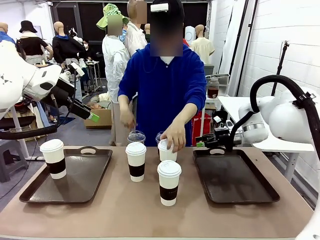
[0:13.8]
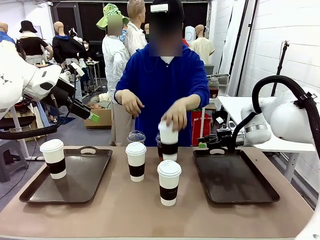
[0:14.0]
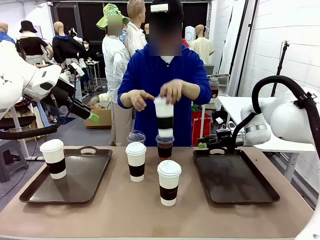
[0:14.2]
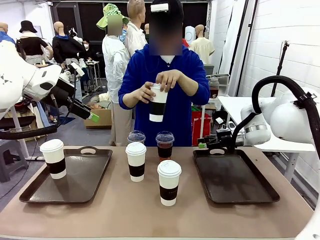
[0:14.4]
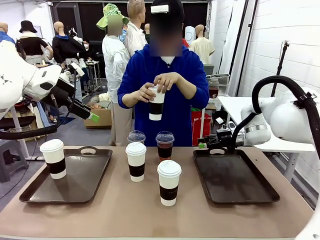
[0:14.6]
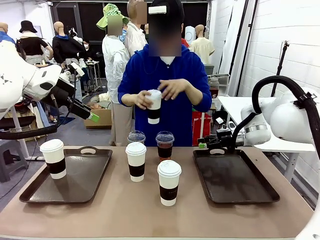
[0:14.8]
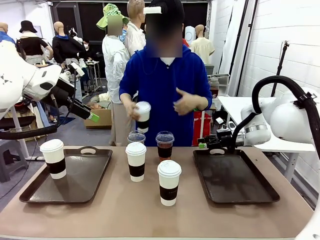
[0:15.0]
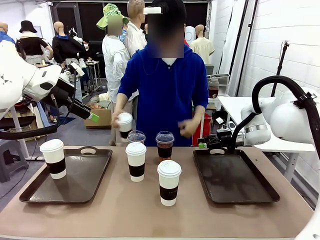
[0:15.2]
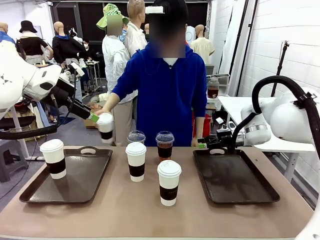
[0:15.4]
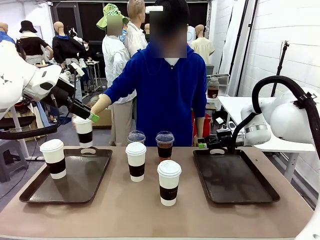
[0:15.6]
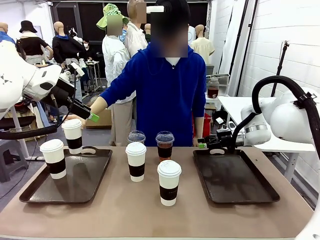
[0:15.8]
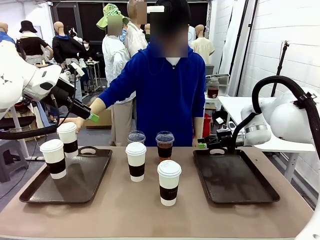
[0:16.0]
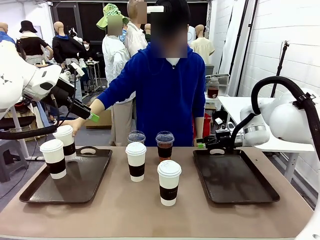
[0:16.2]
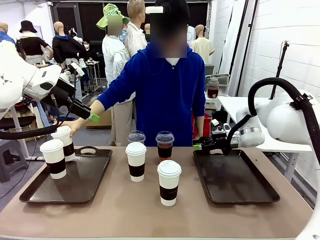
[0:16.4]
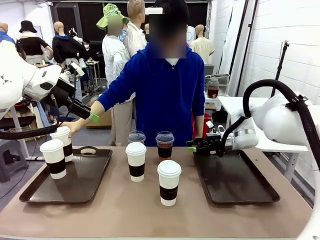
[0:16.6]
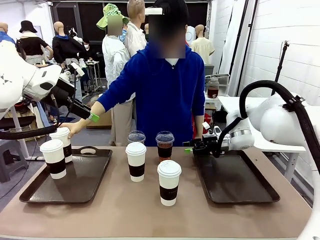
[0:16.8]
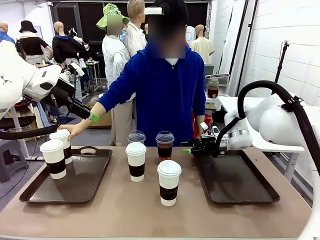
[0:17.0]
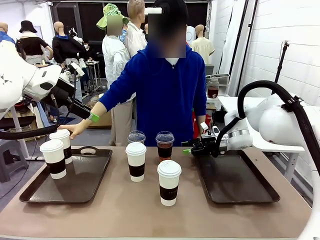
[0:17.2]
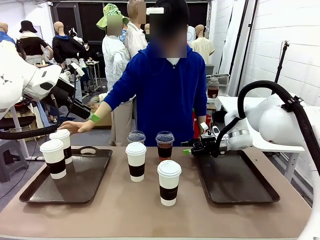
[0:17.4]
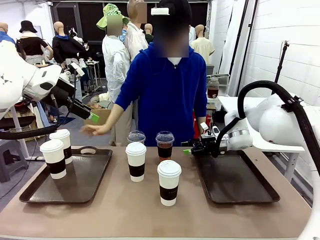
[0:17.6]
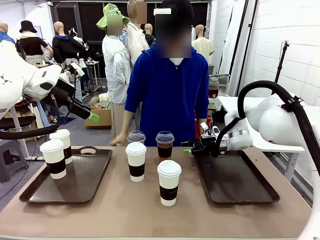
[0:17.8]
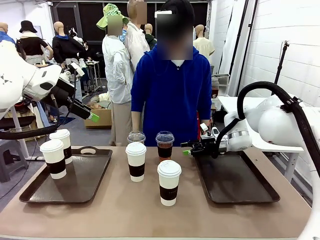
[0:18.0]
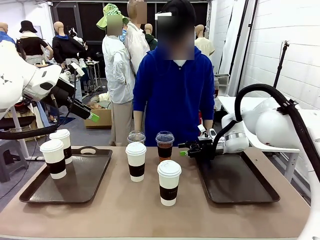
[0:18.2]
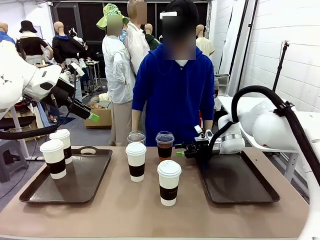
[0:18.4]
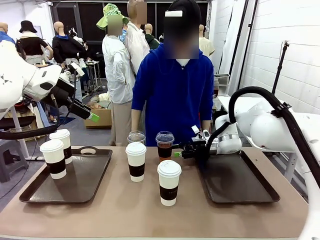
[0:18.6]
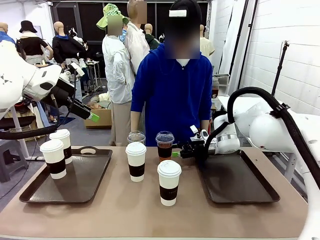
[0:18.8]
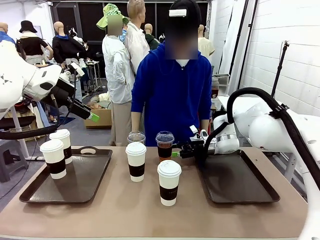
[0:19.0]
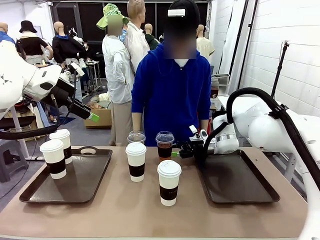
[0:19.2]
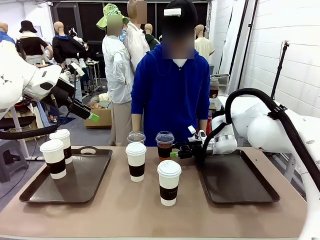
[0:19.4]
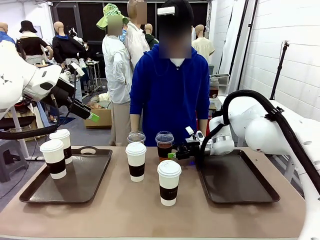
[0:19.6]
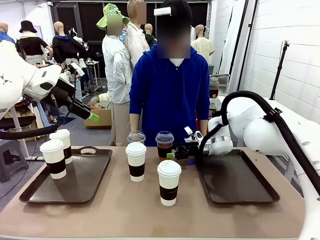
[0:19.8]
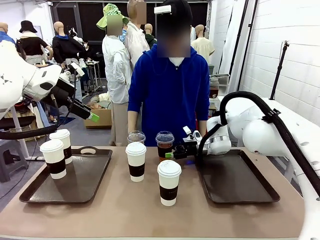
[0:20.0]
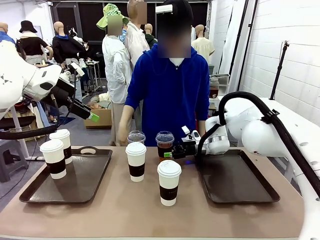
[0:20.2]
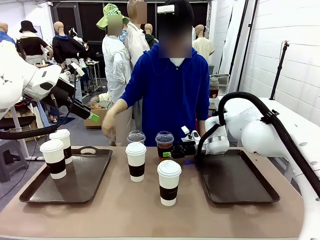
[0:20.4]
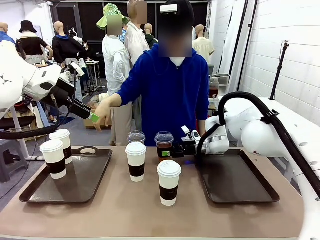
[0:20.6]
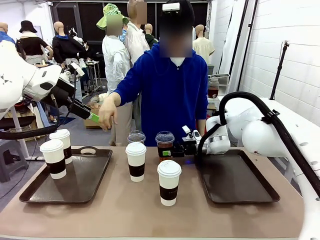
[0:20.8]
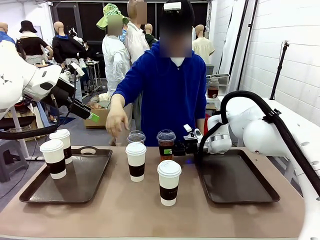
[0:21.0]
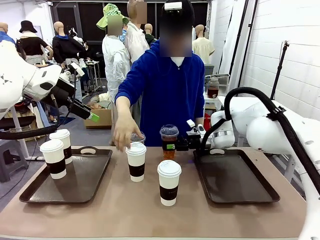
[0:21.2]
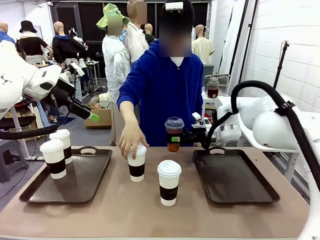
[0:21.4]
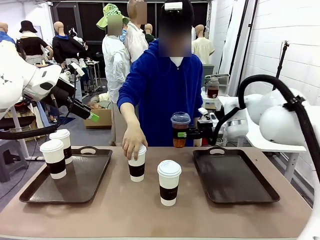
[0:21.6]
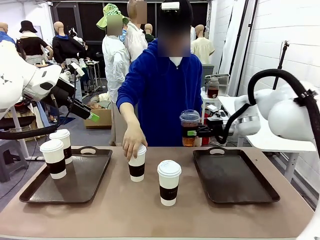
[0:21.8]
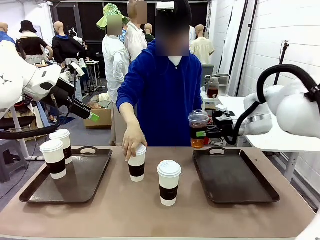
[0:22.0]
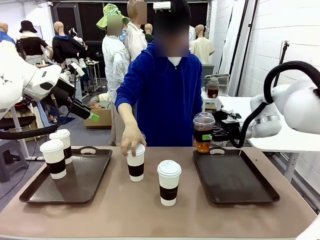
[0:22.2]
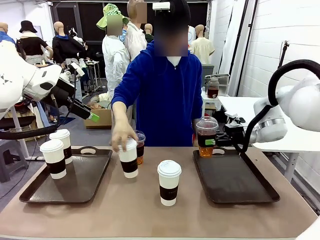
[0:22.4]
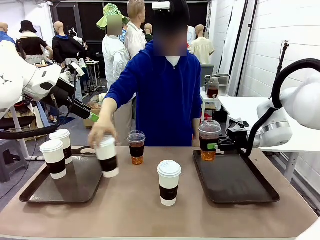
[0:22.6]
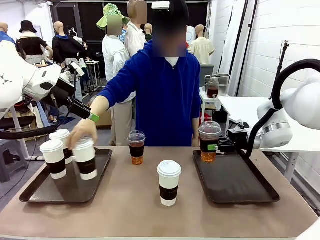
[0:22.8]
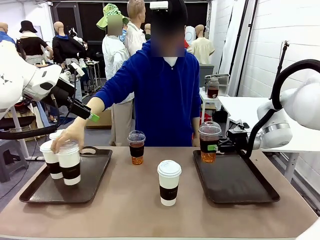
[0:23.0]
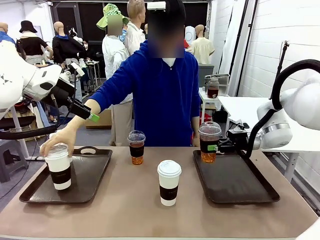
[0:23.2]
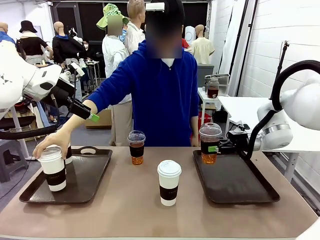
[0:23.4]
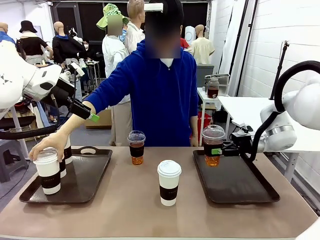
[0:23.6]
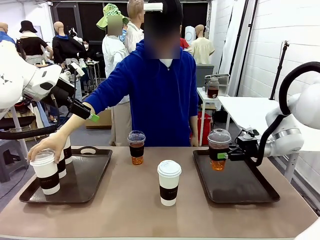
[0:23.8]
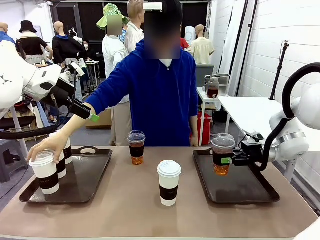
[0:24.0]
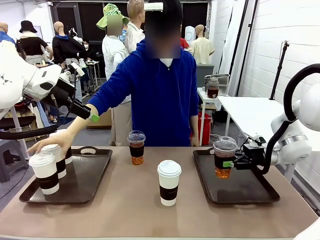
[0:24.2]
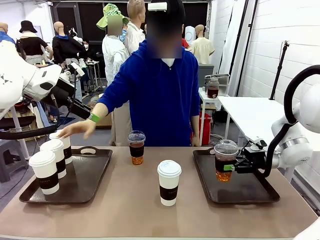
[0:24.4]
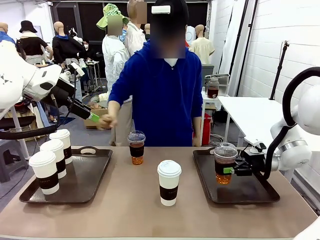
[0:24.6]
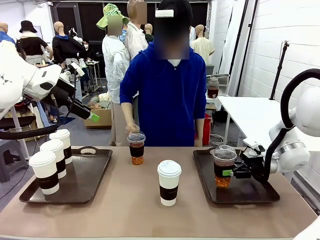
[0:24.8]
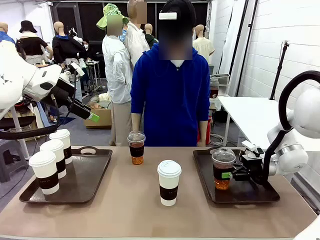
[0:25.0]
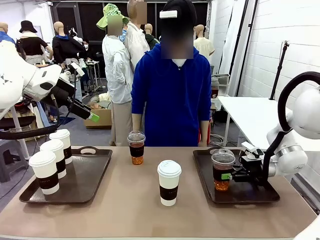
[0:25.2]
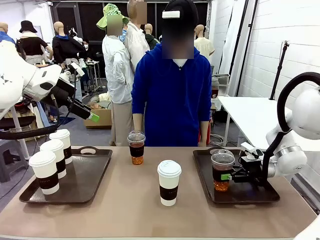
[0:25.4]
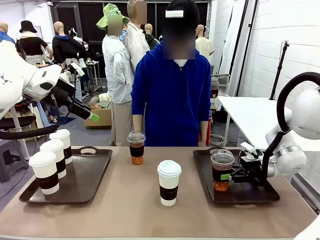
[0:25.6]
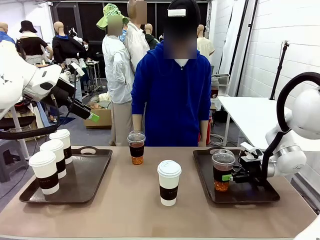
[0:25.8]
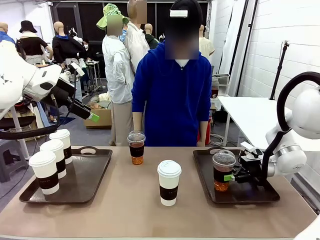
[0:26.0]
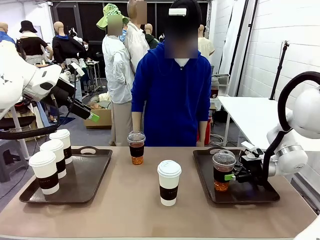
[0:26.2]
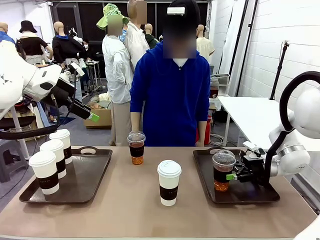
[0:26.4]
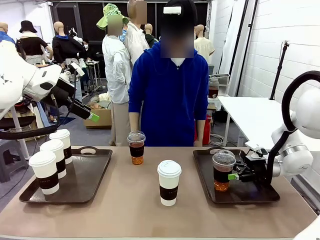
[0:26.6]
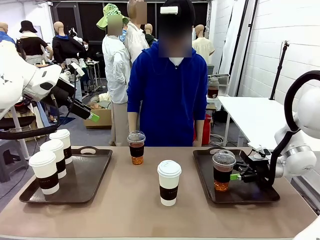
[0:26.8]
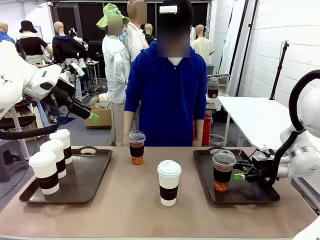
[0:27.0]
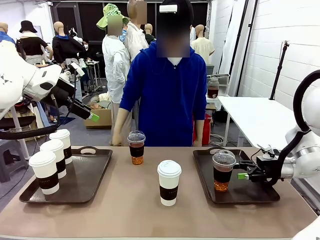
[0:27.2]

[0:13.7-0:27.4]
Task: Distribute the coffee onto the tray.
Robot: Pick up one iced Americano and place it on the right Handle tray.

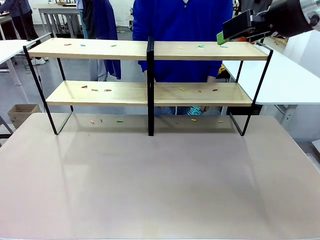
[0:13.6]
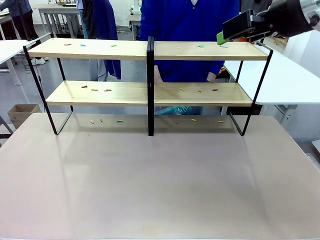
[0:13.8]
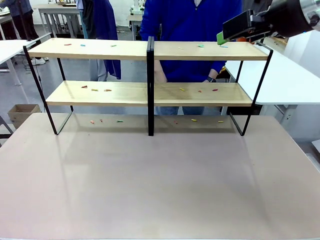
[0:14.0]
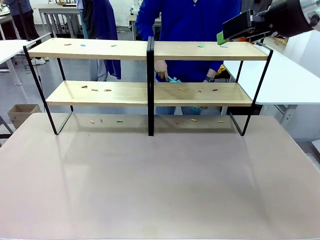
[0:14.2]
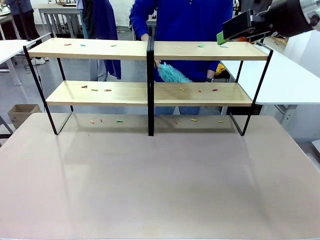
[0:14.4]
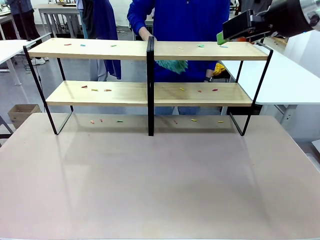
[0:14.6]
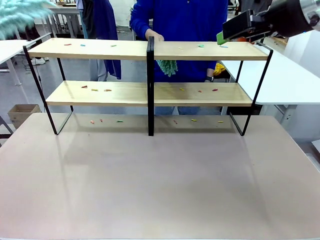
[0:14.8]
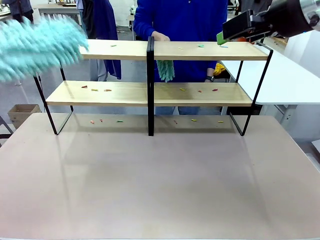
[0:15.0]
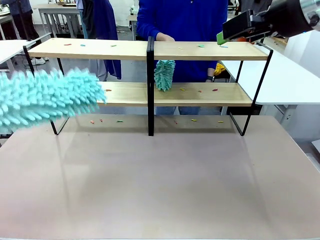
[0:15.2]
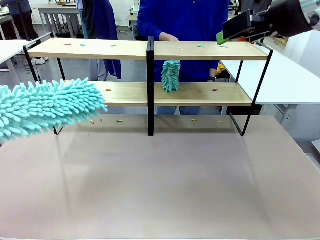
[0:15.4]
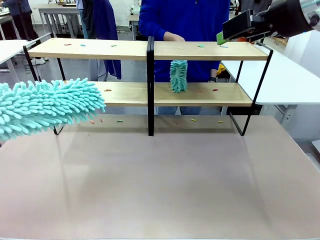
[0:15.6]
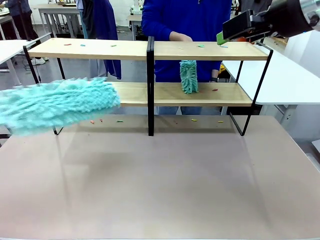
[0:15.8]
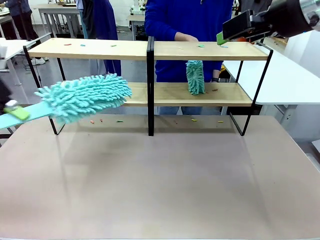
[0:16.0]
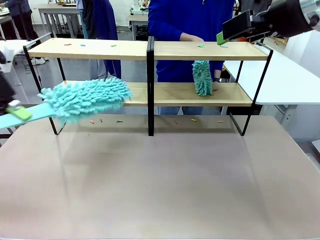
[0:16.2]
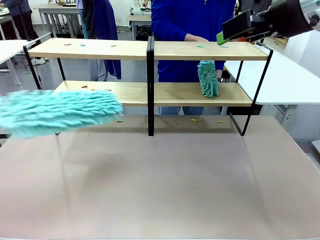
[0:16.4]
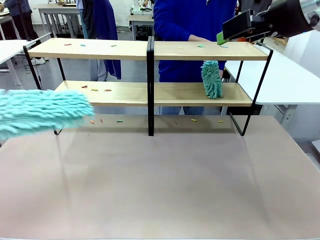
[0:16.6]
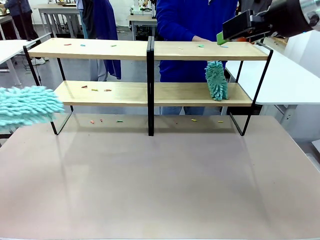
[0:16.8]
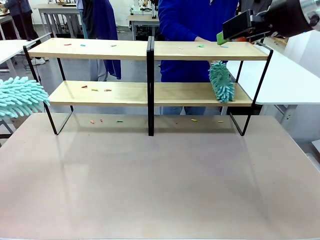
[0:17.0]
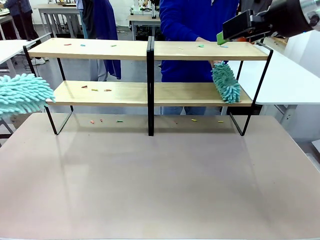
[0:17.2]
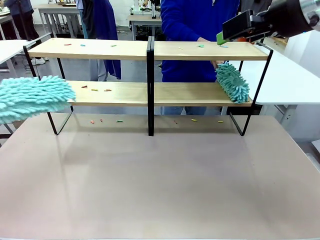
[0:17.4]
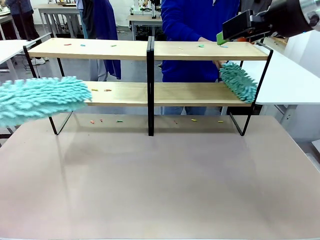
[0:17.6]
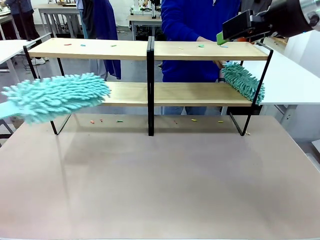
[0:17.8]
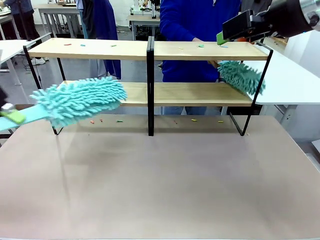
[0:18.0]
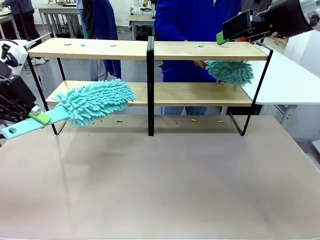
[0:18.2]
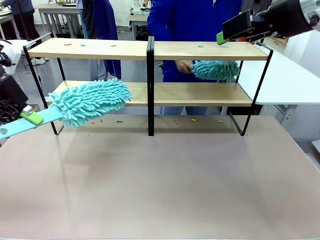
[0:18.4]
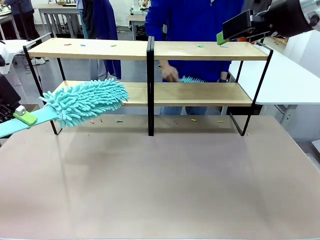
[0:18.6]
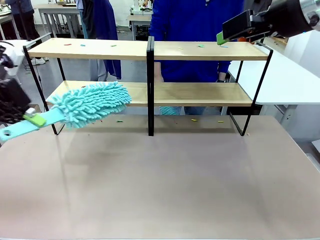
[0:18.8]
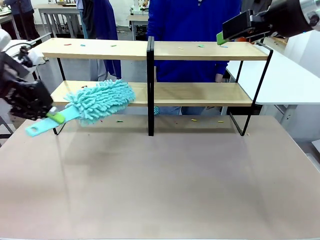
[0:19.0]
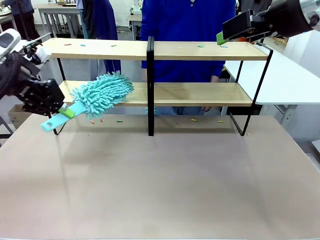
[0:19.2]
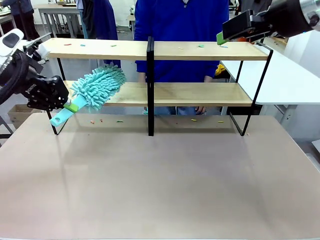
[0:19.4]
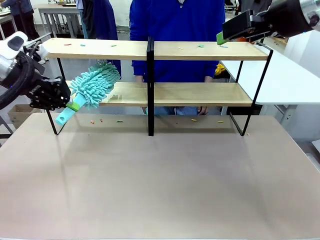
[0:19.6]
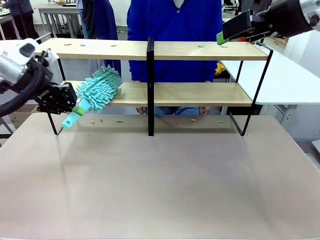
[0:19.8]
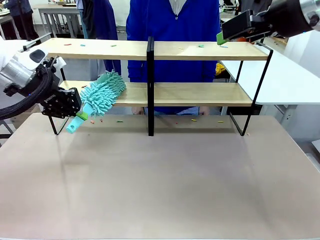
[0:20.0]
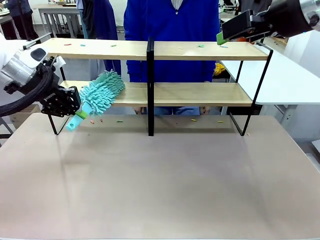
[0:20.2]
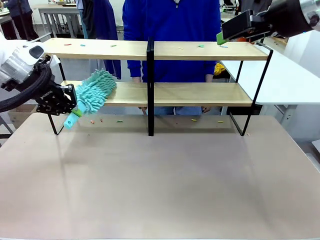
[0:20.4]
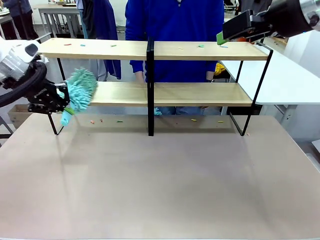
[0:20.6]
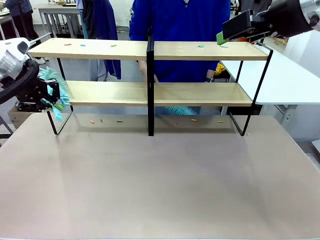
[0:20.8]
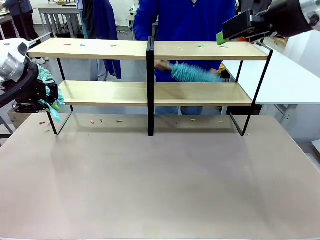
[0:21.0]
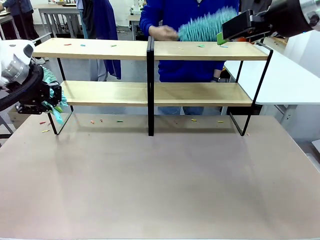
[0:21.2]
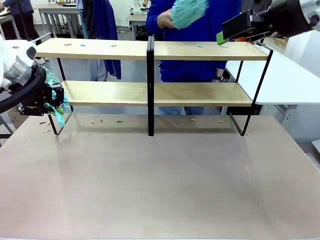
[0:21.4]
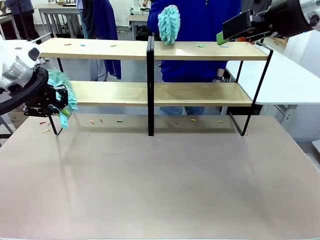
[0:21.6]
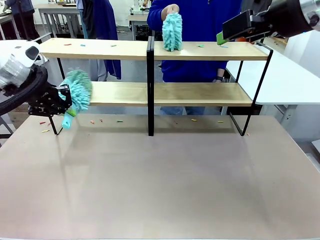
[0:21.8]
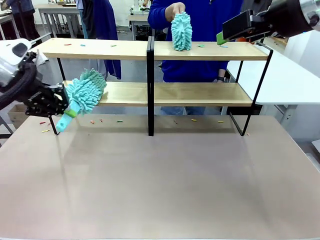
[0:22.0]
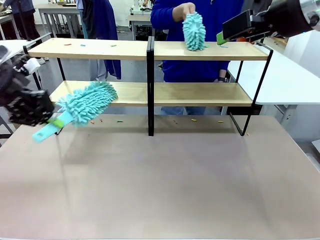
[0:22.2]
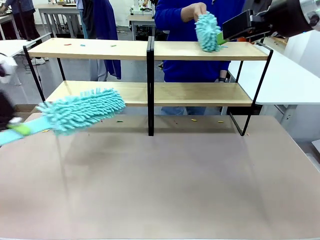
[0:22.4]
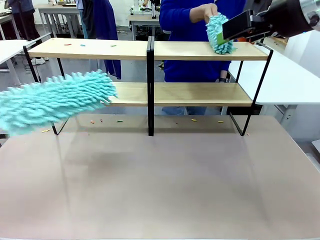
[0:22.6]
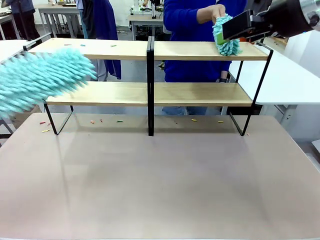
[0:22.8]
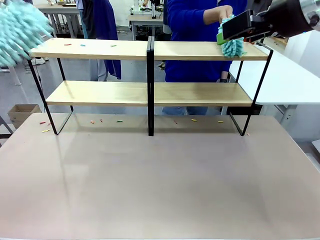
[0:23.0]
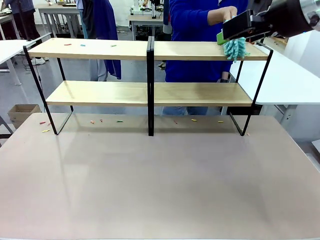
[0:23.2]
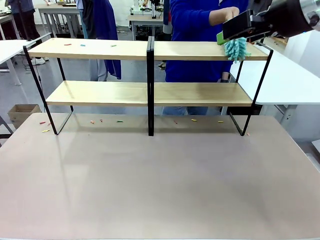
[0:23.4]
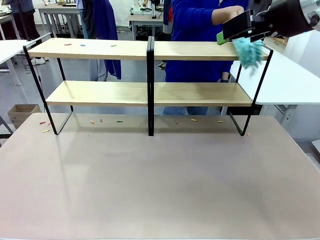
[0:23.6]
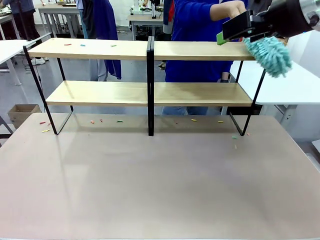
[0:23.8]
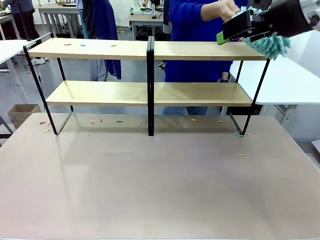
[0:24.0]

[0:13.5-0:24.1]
Task: Clean the shelves.
Robot: Clean a randomly selected level of the Shelf with the Duster.
